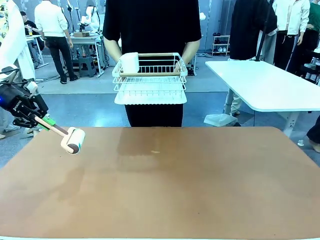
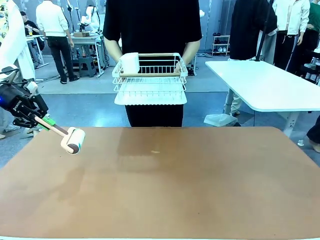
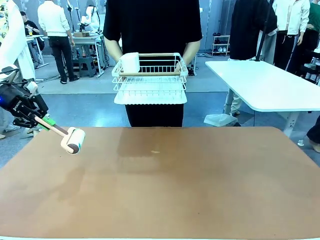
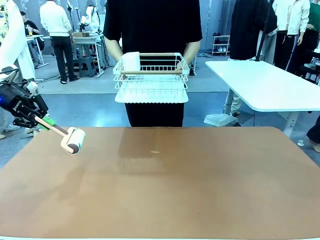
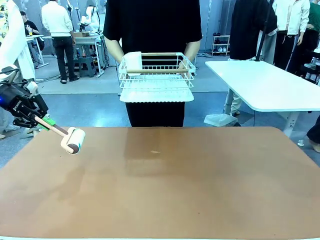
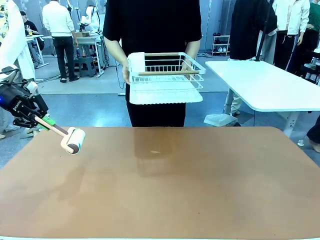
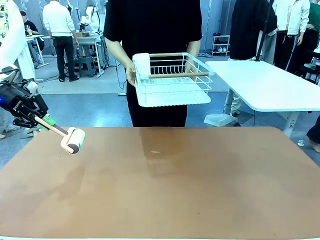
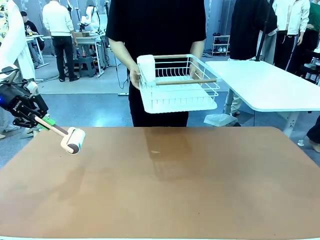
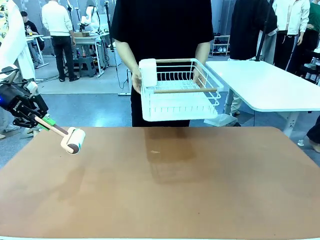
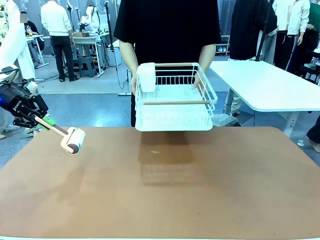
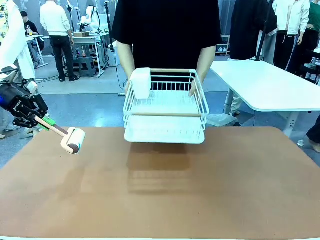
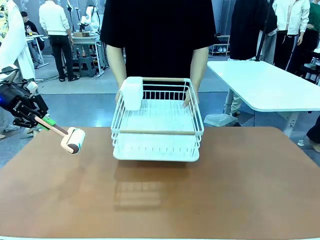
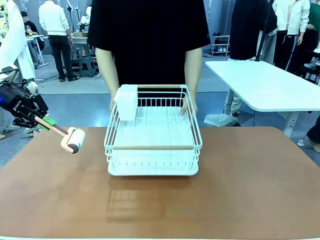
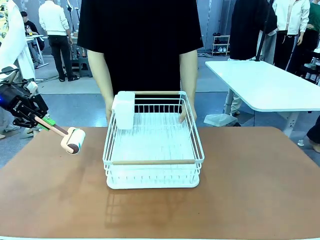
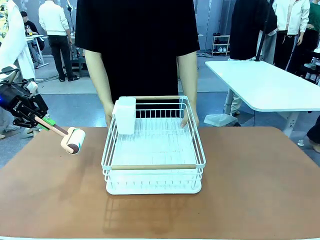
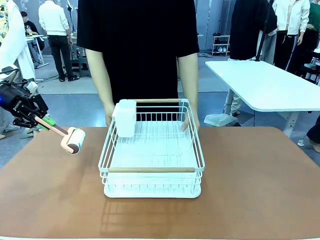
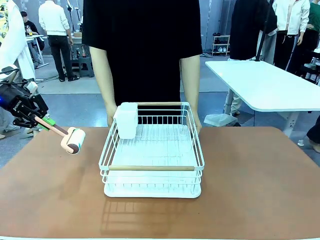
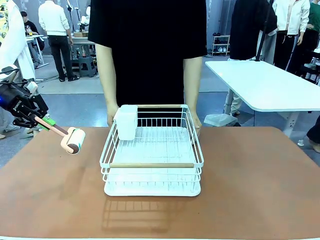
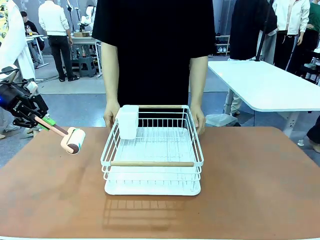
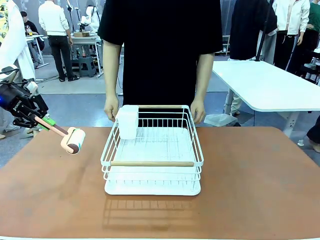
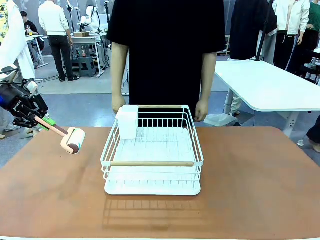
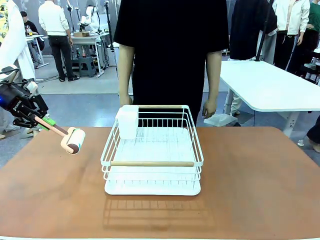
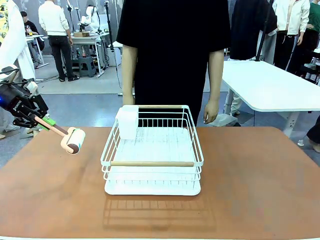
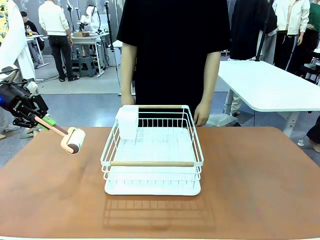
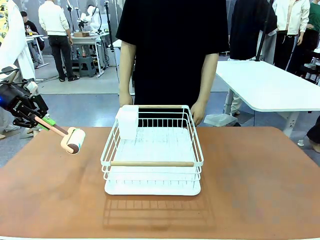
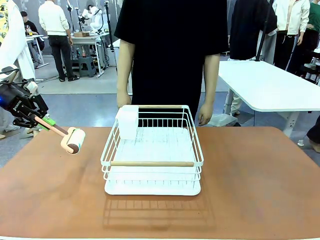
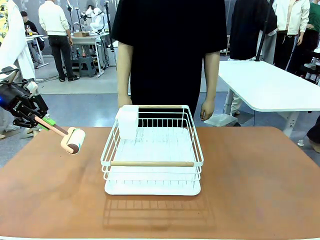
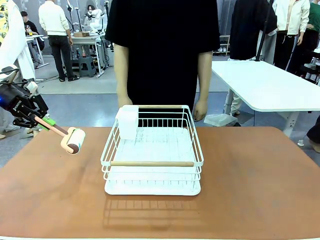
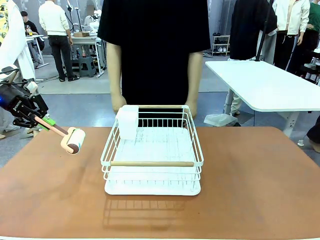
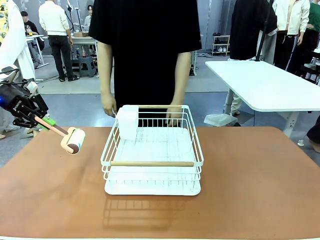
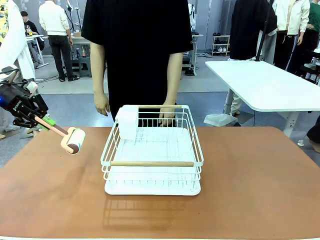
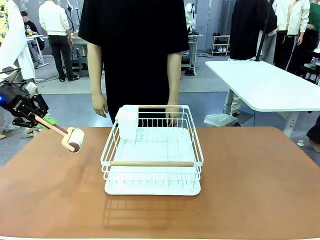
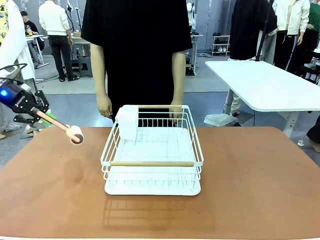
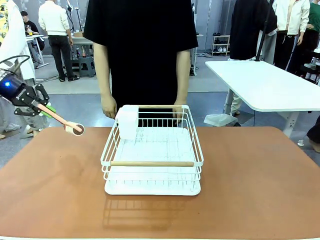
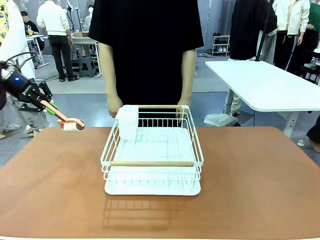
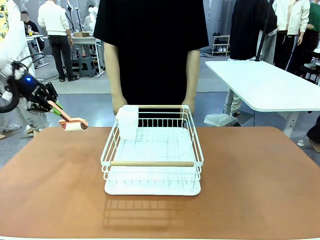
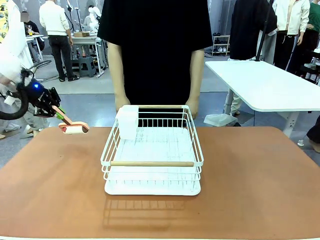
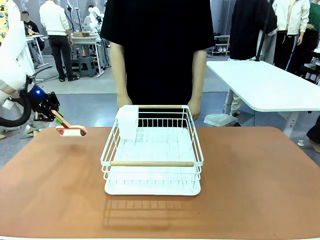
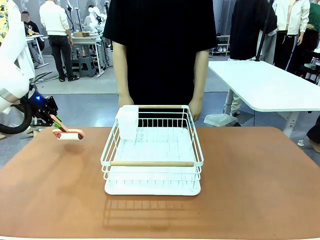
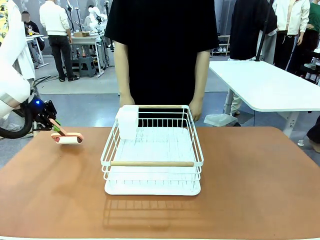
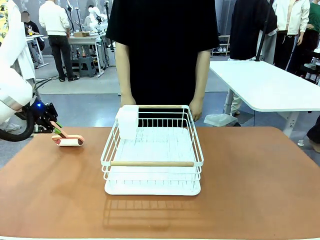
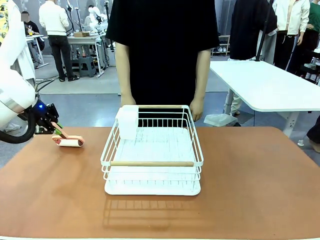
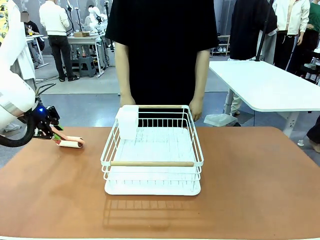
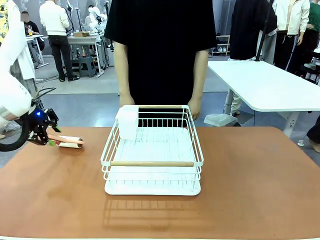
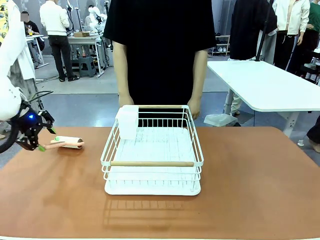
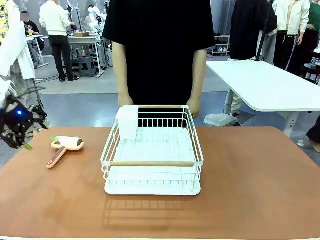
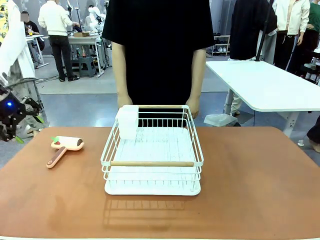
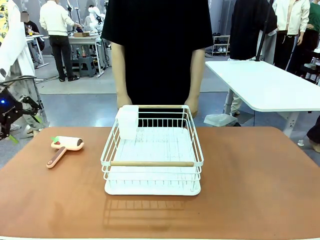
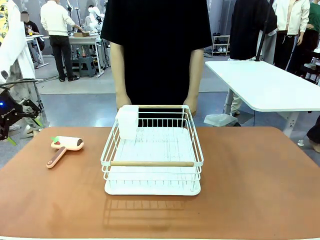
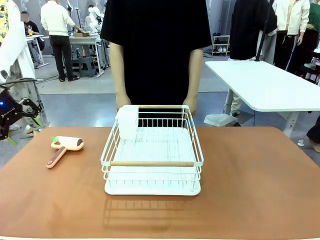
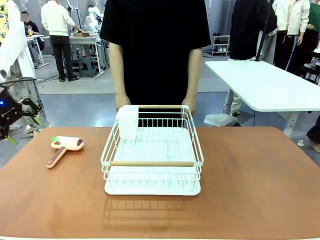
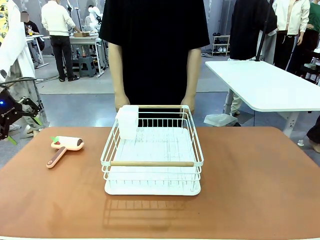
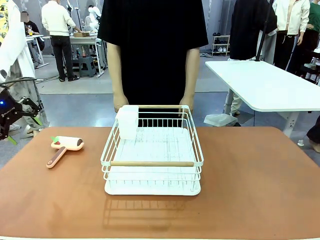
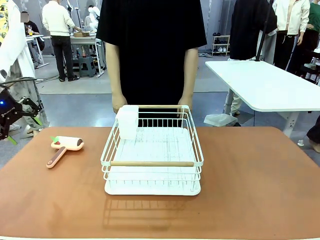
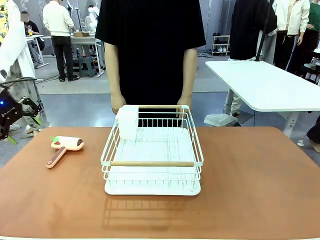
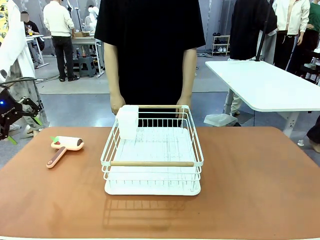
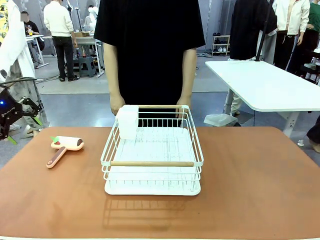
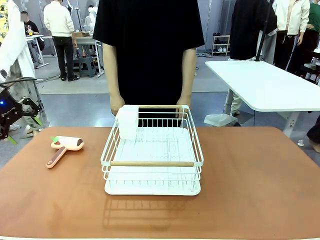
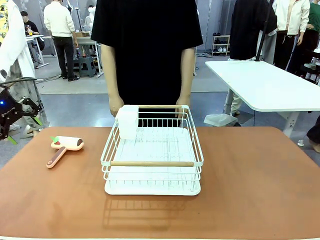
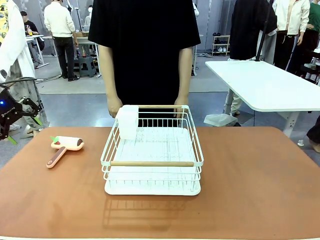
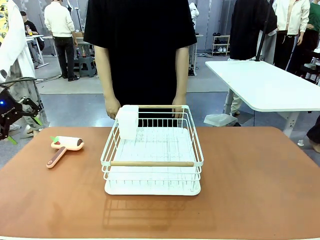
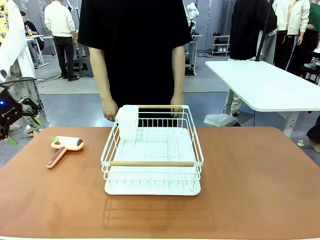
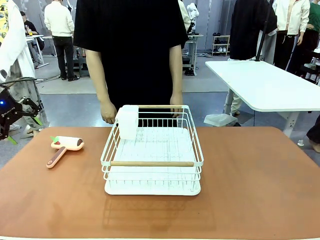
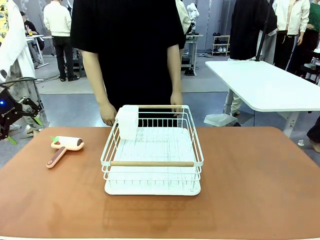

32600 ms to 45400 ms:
Task: Clean the table.
Robot: Place the Lint Roller down when the Dish drying rack is positioned in the middle of the table.
